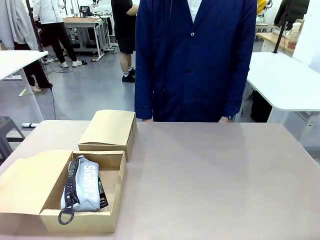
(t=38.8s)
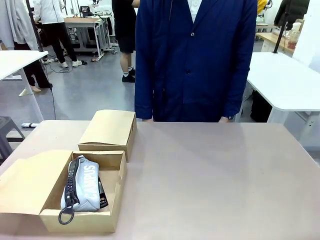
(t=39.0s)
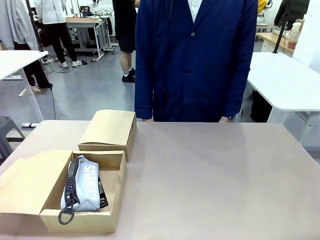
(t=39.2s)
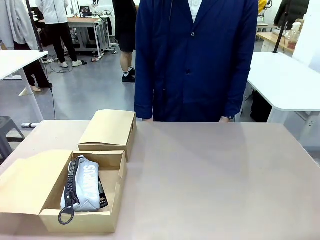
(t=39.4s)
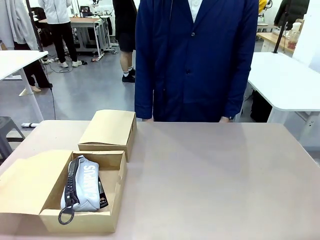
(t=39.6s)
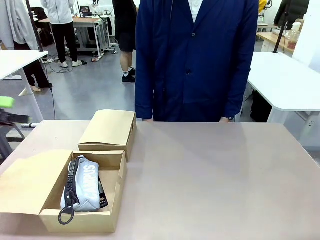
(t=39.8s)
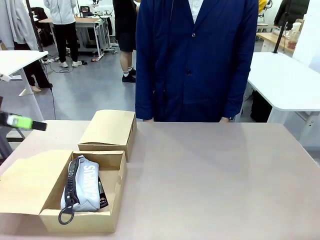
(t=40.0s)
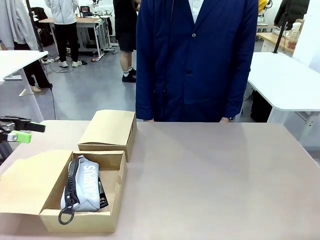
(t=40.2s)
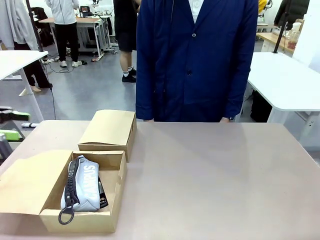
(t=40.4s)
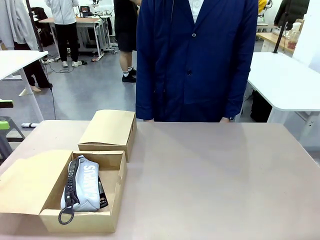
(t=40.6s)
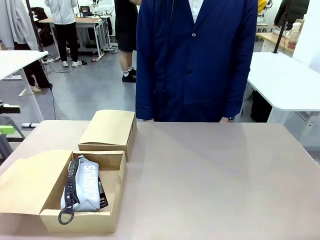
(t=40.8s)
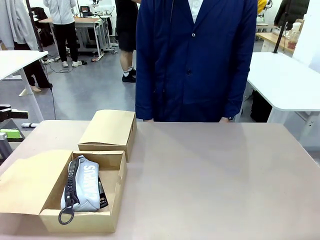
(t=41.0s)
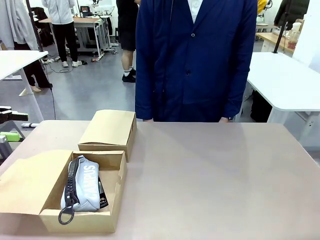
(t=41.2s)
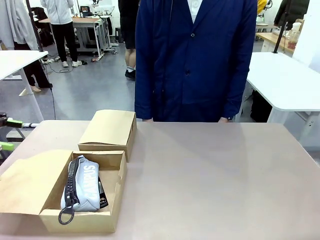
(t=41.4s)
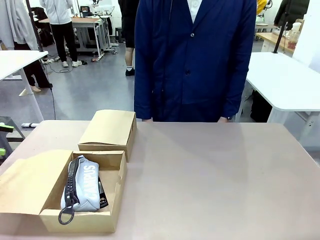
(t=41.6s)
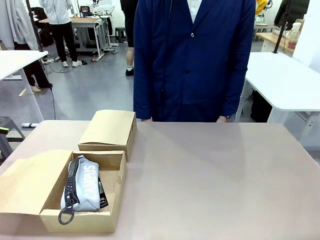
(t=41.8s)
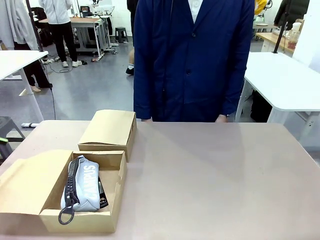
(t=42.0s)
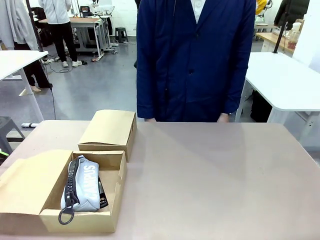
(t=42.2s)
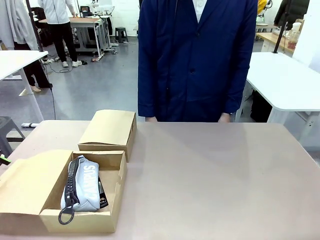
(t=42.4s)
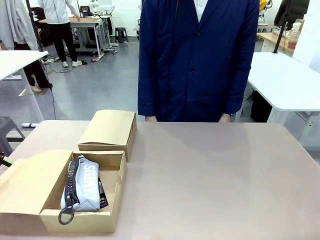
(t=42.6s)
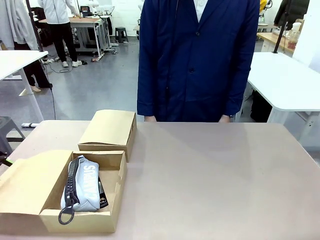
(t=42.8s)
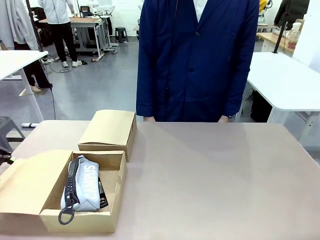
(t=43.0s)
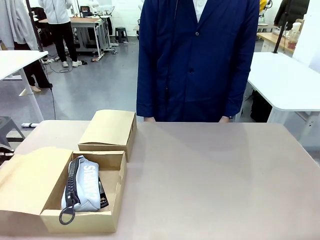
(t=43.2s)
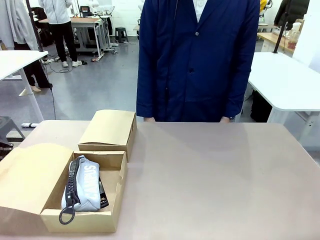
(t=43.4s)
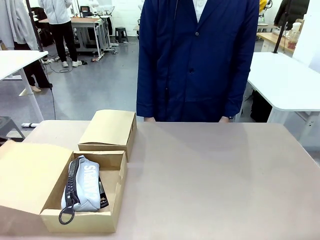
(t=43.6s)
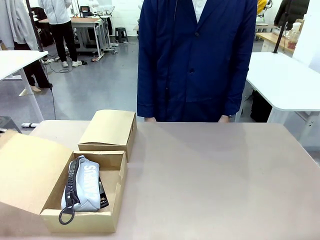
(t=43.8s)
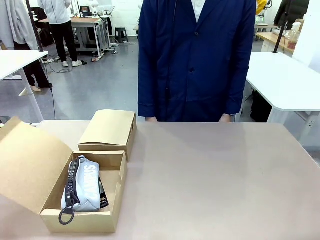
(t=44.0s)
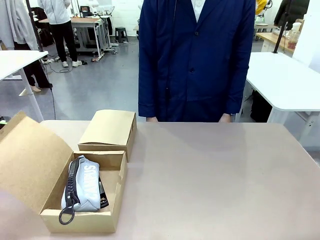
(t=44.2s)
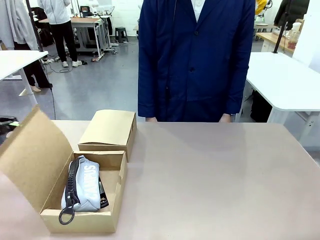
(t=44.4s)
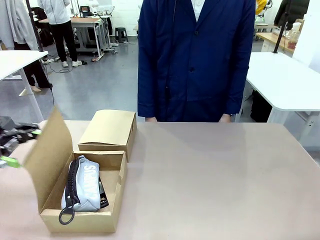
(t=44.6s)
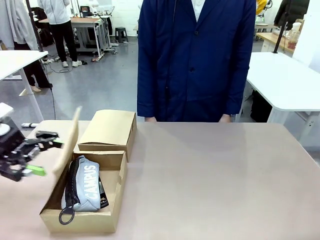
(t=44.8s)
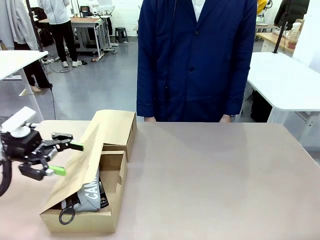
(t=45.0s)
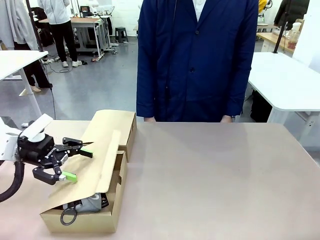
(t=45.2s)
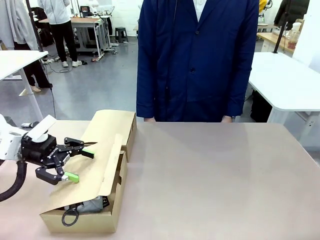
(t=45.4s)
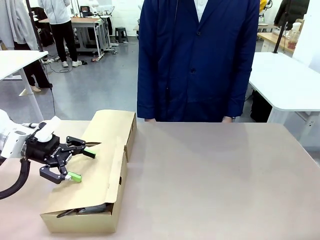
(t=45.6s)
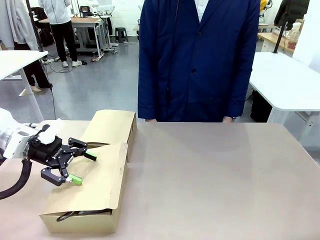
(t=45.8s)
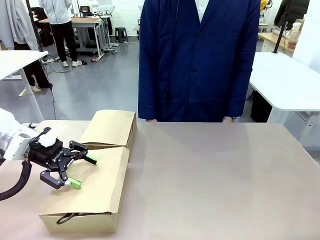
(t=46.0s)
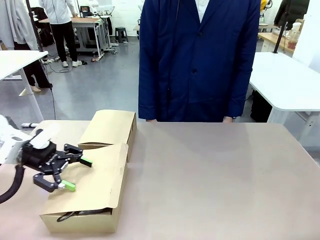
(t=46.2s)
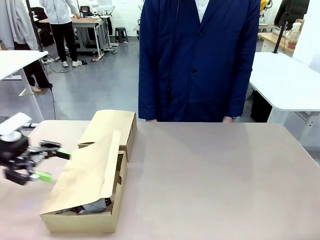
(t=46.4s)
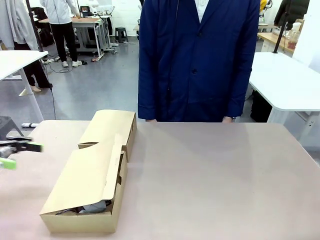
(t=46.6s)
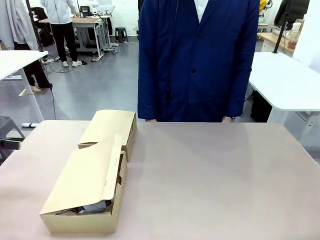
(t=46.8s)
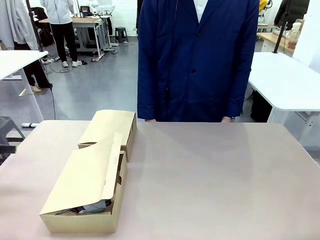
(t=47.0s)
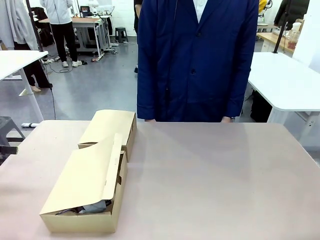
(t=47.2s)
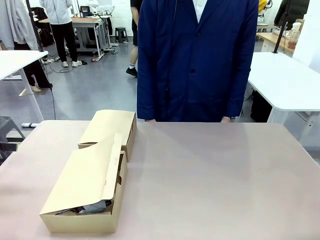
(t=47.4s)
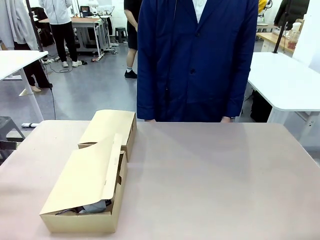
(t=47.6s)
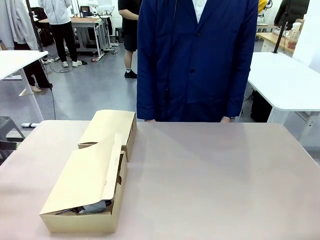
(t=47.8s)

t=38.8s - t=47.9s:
Task: Place items inside the box.
Robot: Close the lid of the Mailer Box closest to the robot.
